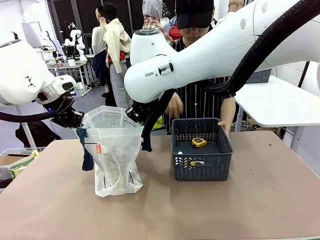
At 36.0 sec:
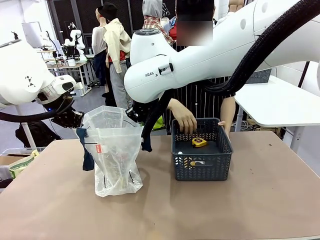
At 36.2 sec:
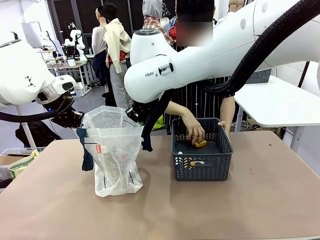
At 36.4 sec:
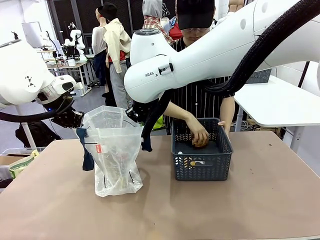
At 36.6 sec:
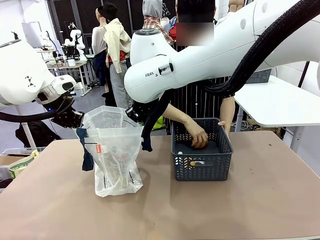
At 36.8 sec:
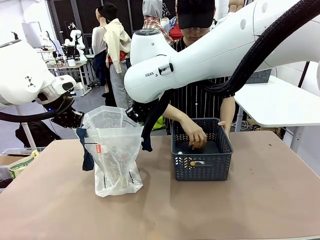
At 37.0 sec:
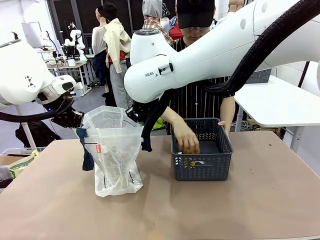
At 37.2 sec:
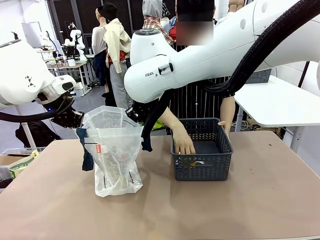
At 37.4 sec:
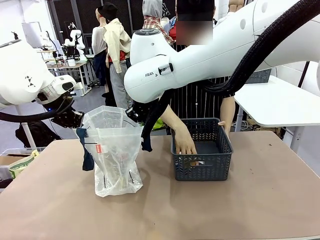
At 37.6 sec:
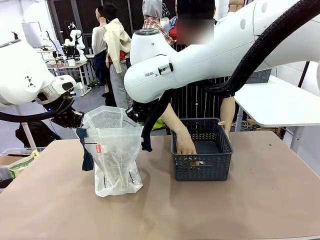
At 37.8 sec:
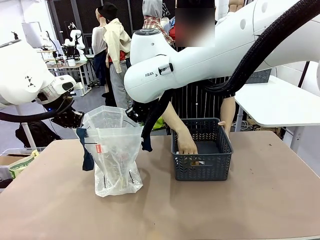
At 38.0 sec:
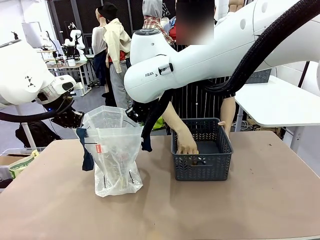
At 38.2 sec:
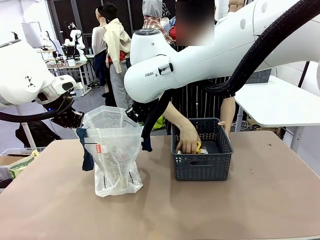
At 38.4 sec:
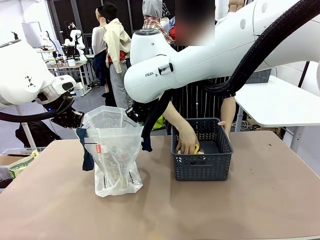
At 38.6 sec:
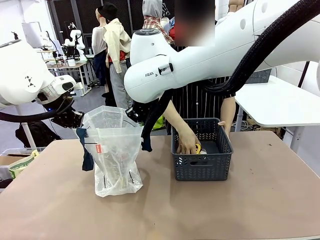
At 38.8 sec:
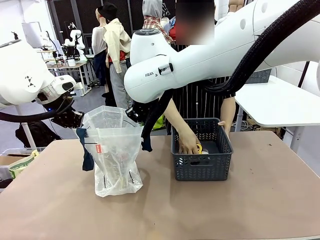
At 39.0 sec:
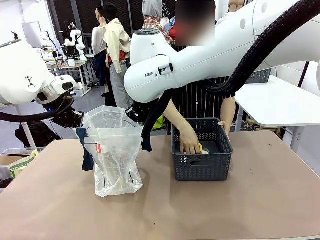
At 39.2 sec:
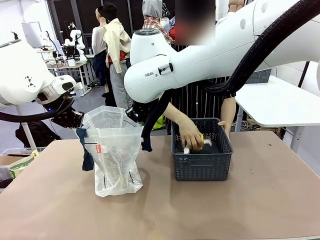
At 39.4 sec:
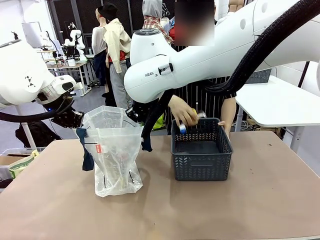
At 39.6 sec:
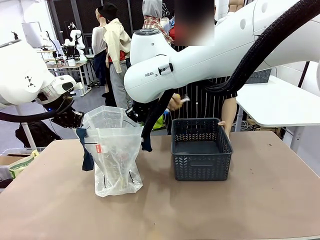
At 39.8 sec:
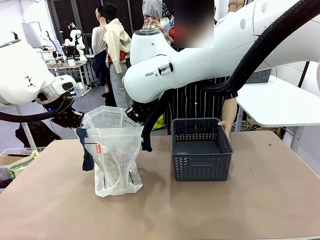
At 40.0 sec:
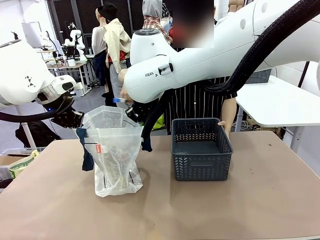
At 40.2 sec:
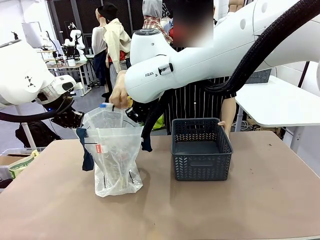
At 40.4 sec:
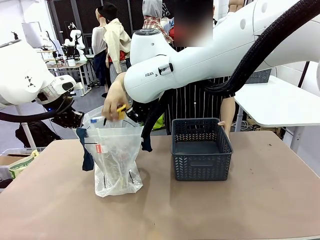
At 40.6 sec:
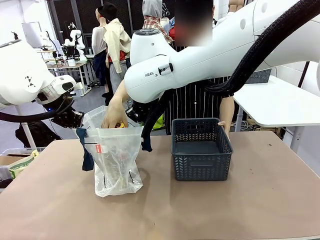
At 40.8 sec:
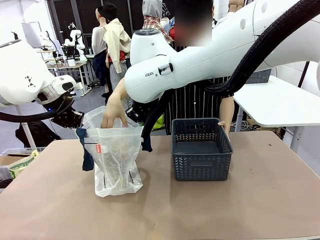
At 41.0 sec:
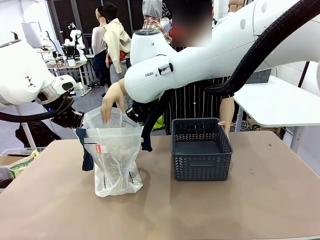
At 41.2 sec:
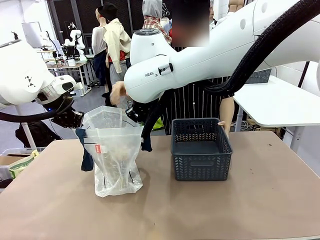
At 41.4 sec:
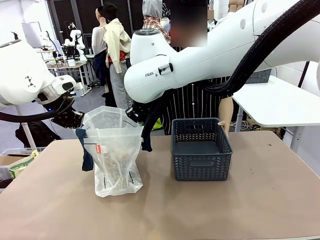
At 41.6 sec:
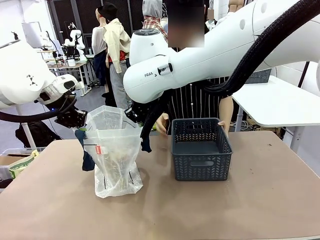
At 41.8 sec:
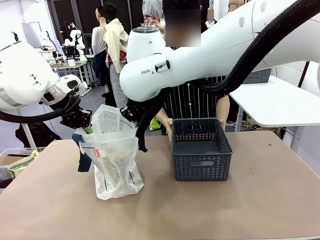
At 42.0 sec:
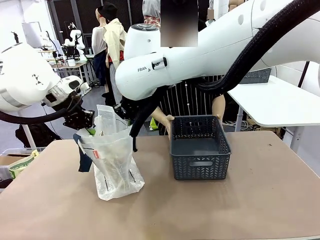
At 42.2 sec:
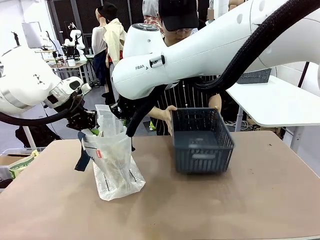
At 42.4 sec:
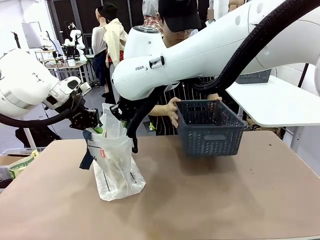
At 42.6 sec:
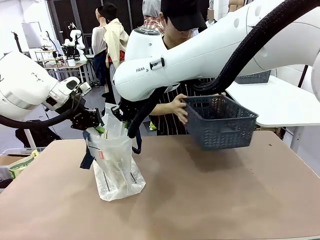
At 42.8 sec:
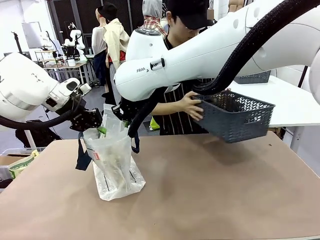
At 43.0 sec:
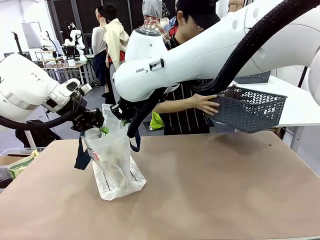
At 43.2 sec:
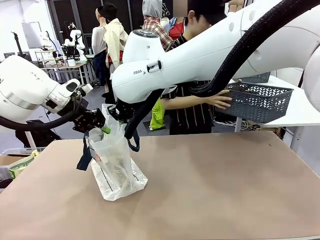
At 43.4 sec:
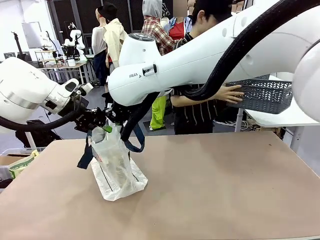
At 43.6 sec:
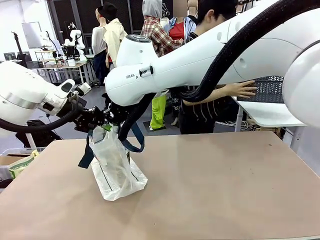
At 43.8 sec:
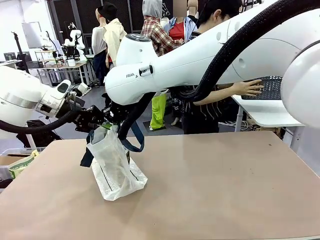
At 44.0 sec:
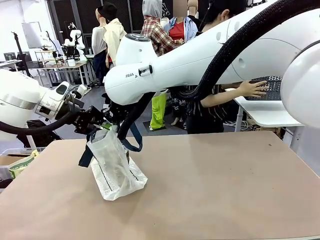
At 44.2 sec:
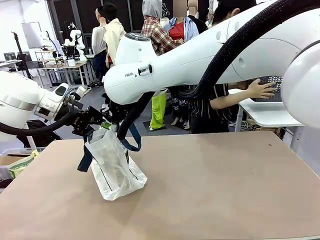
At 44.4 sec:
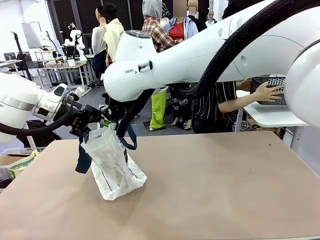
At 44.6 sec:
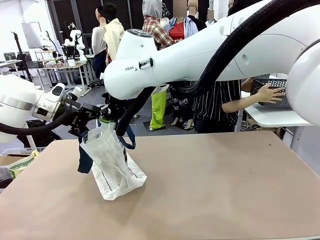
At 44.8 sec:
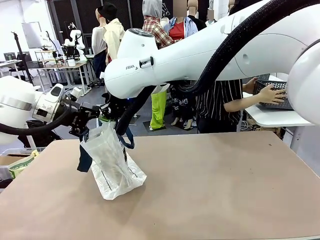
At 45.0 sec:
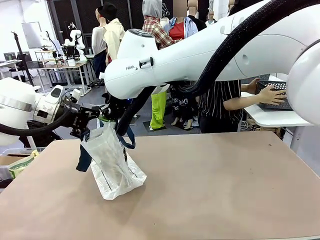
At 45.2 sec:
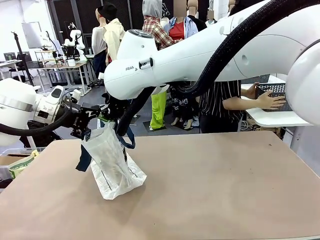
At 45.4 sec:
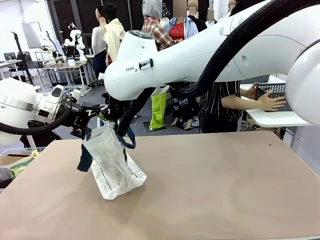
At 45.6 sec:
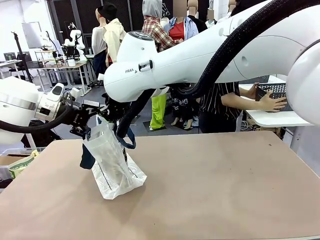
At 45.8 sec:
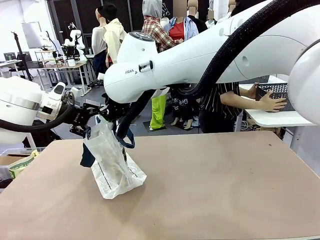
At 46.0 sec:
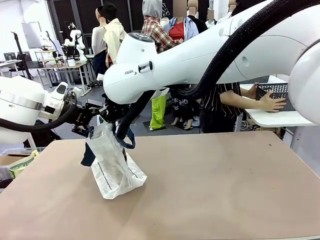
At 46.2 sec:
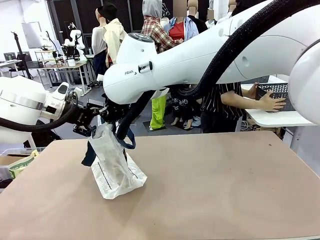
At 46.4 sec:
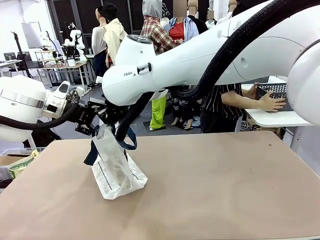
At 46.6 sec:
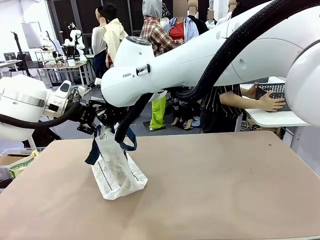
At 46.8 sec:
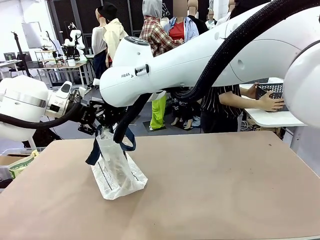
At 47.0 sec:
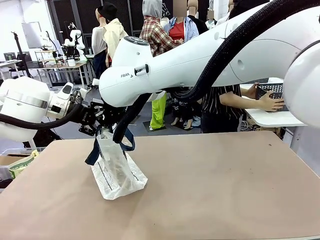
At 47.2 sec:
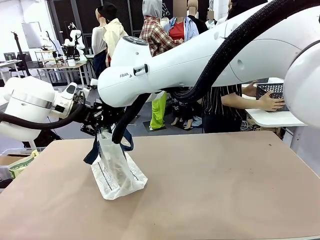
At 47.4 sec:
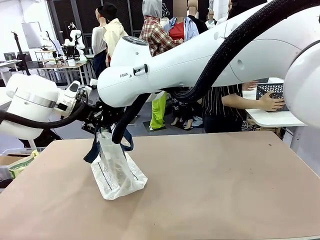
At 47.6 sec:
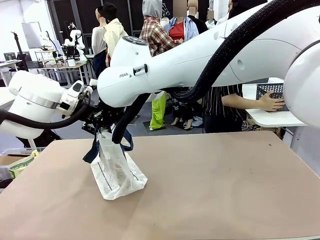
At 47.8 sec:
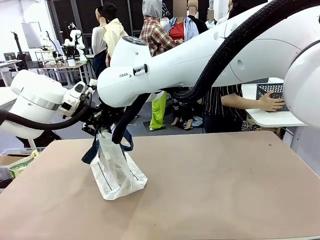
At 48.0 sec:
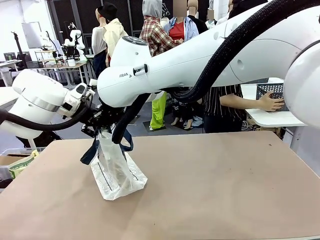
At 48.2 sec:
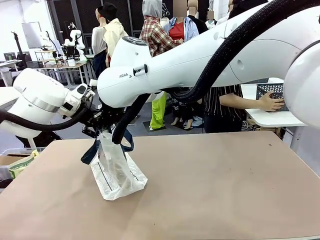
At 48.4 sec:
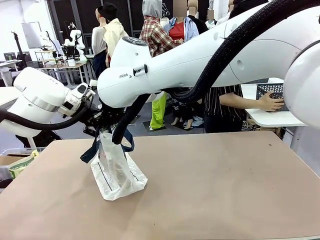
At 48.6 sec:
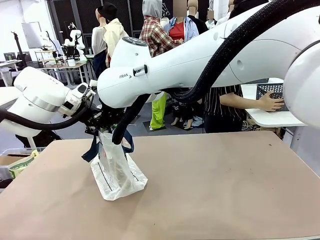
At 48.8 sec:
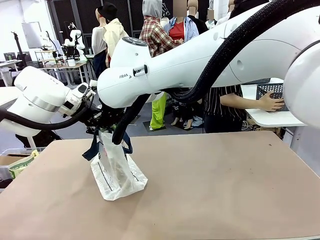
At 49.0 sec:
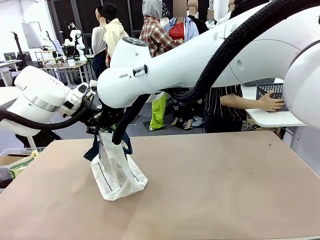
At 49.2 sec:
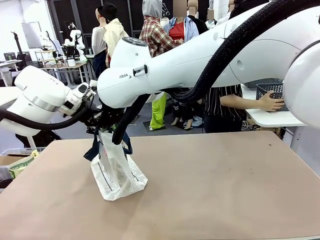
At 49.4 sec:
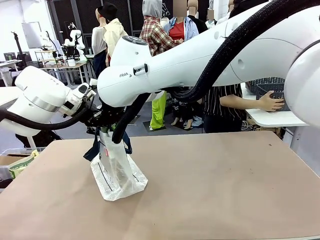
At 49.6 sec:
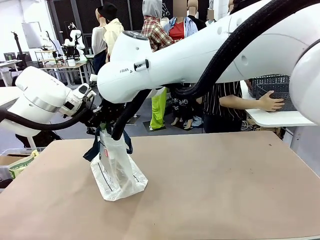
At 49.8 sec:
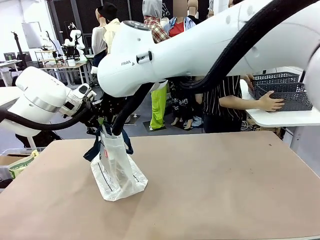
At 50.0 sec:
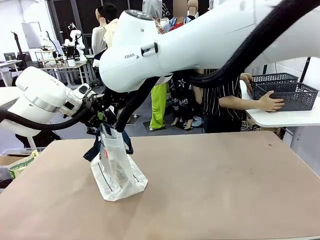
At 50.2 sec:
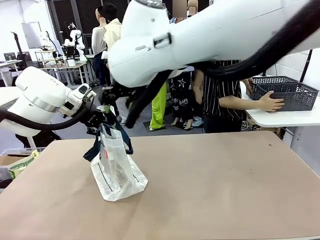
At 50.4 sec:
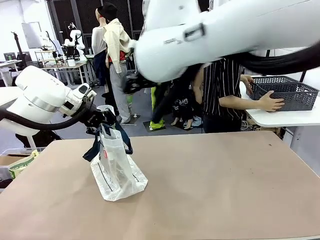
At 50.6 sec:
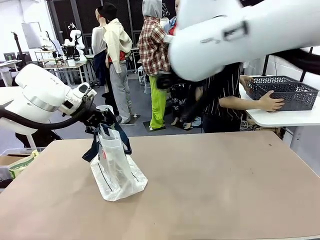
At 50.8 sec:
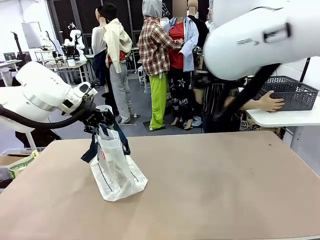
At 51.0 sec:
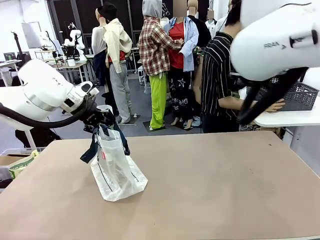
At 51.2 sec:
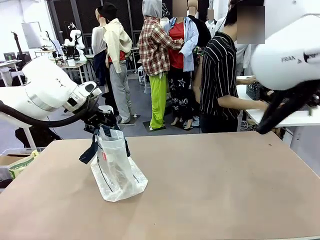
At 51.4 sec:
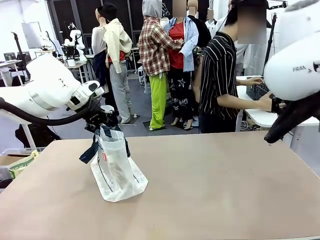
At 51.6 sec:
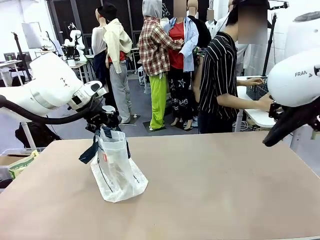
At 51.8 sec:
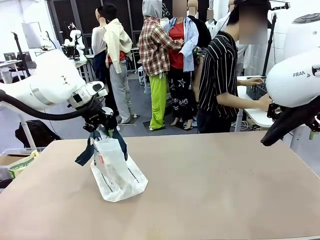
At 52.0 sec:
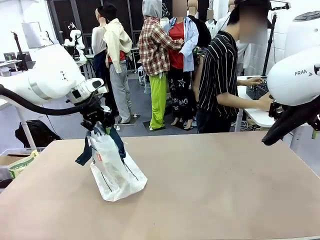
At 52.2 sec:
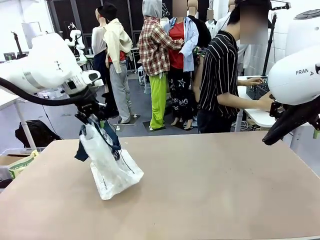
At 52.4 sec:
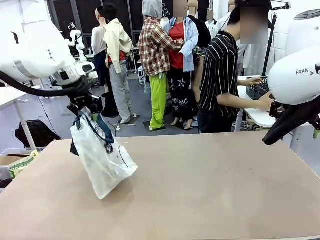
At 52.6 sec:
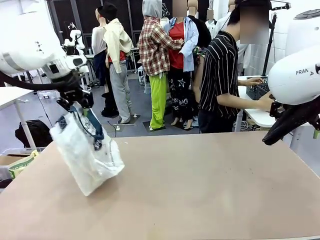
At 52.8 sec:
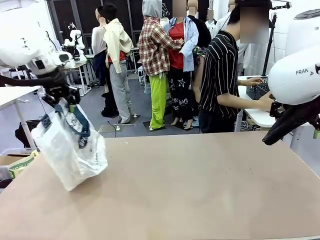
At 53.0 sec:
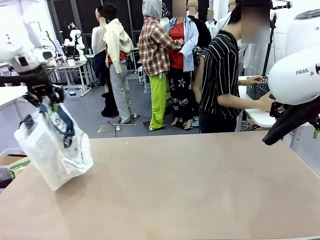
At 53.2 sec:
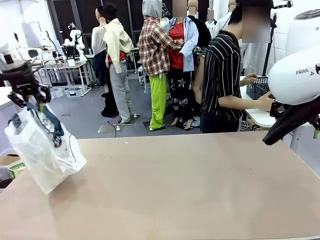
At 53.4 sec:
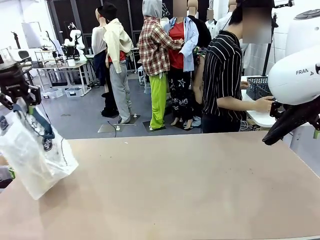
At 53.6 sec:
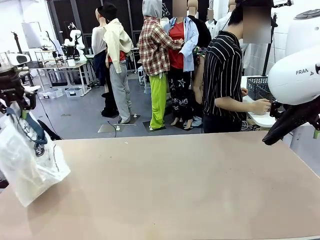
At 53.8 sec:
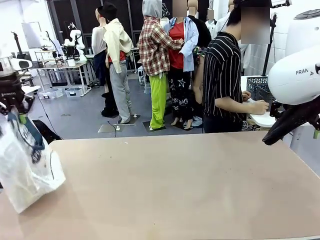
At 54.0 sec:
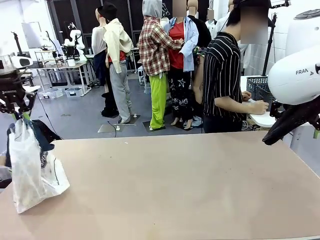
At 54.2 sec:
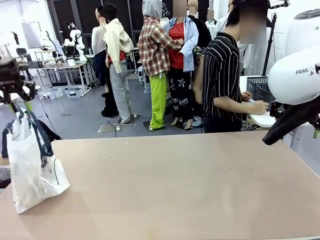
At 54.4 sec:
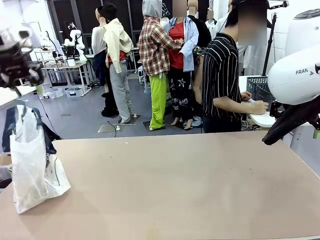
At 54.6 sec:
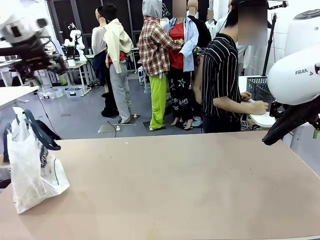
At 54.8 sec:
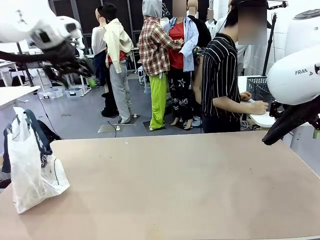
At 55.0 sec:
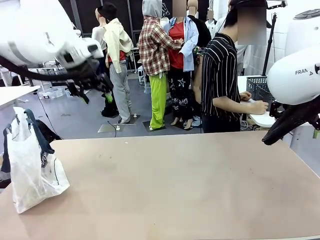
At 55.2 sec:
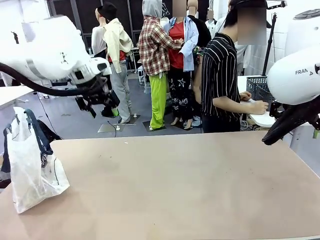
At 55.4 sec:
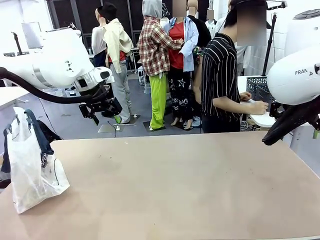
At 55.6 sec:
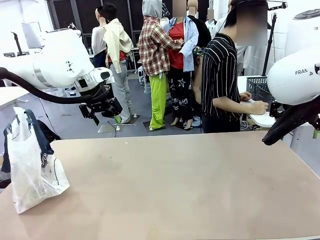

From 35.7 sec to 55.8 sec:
Task: Transfer purchased items from the store into the shopping bag.
Robot: Move the Reusable shopping bag to the right side of the table.
Person: Move the basket on the left to the middle of the person's table.
